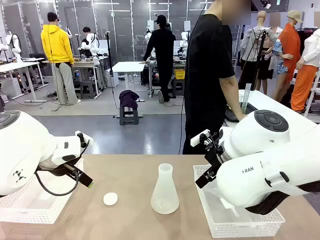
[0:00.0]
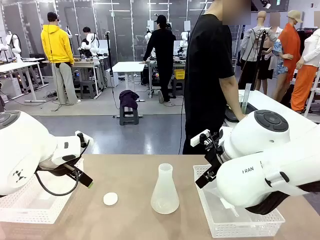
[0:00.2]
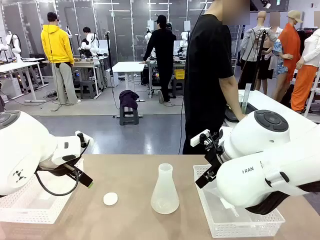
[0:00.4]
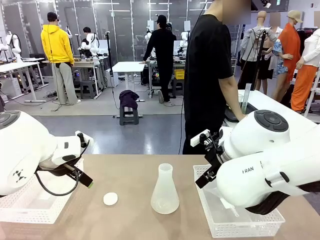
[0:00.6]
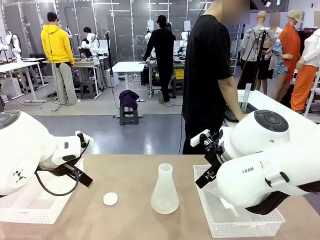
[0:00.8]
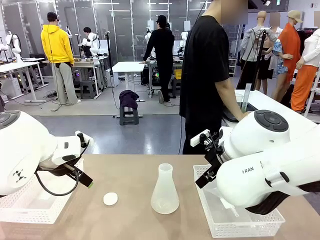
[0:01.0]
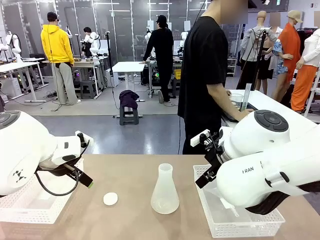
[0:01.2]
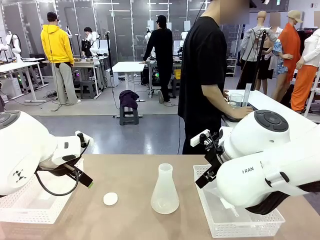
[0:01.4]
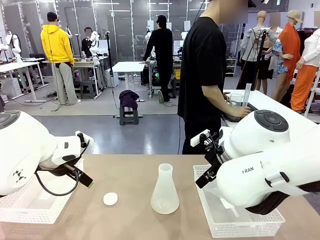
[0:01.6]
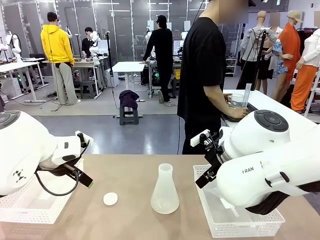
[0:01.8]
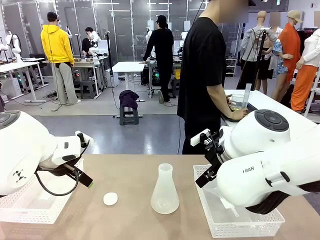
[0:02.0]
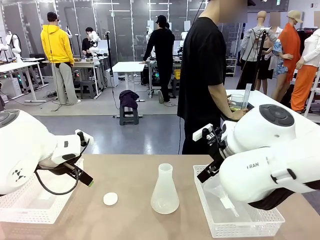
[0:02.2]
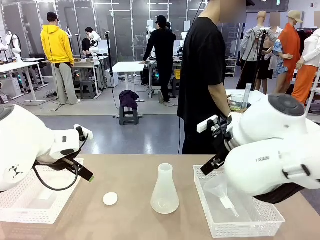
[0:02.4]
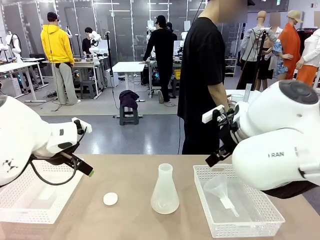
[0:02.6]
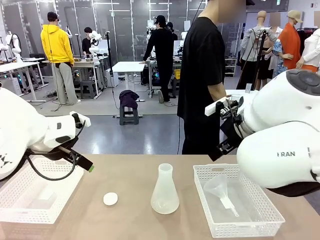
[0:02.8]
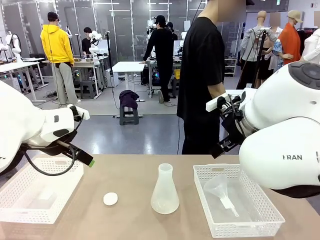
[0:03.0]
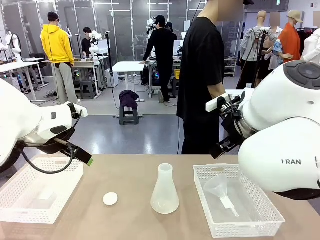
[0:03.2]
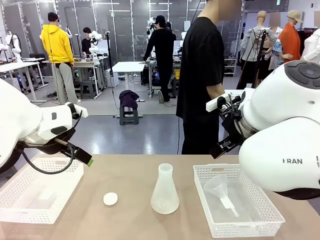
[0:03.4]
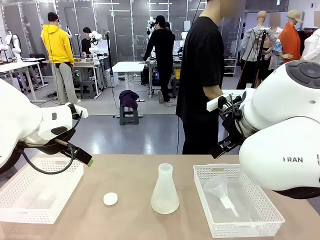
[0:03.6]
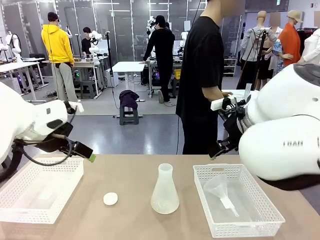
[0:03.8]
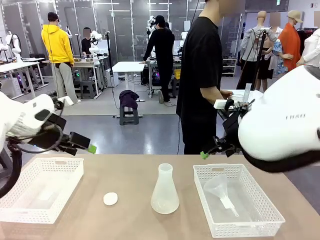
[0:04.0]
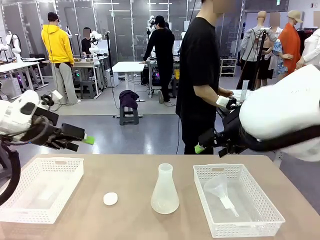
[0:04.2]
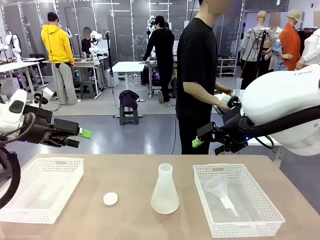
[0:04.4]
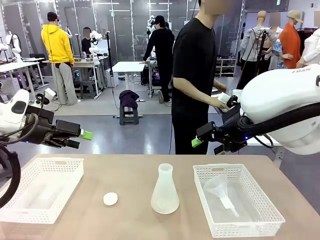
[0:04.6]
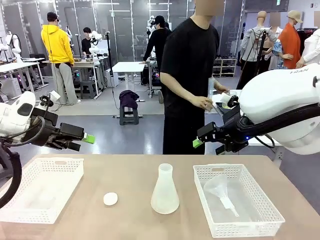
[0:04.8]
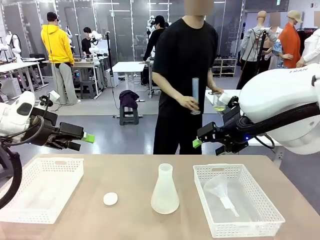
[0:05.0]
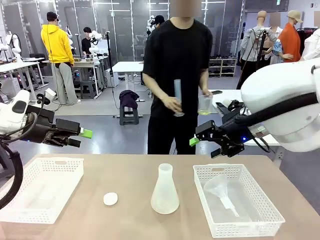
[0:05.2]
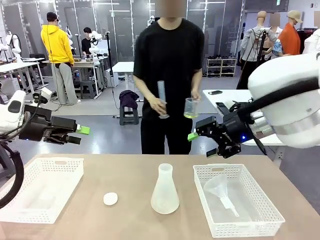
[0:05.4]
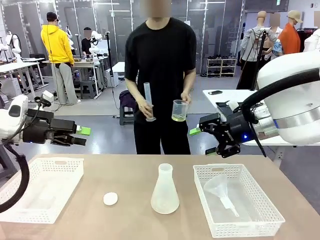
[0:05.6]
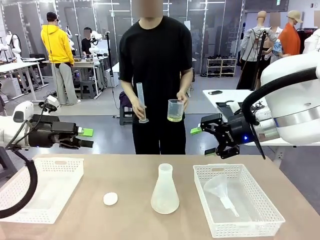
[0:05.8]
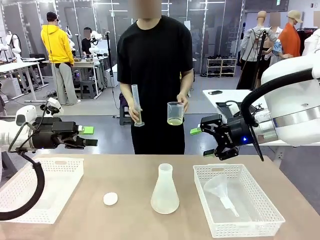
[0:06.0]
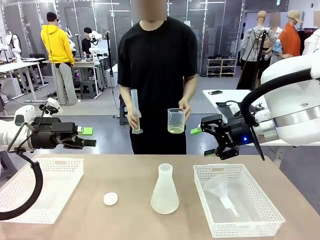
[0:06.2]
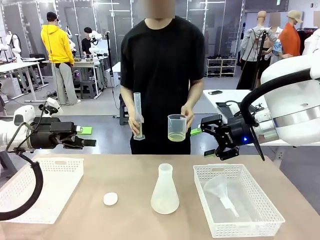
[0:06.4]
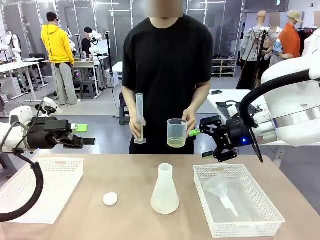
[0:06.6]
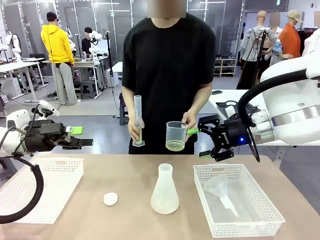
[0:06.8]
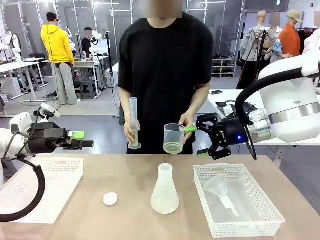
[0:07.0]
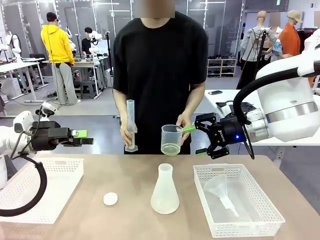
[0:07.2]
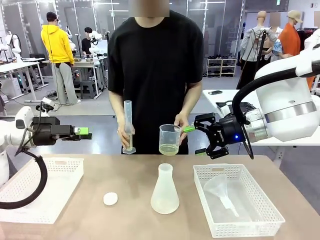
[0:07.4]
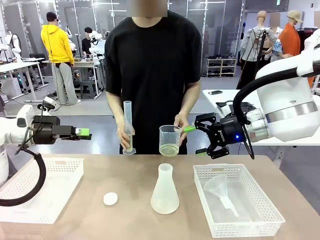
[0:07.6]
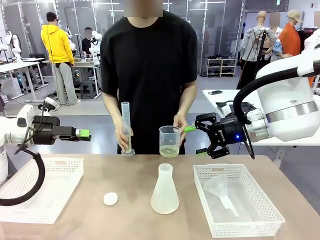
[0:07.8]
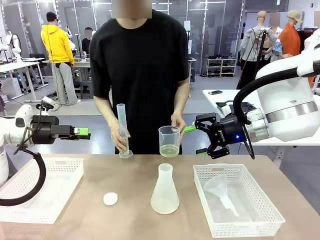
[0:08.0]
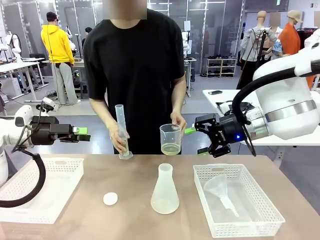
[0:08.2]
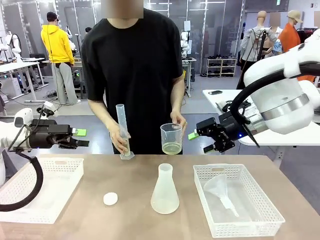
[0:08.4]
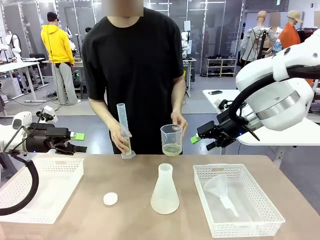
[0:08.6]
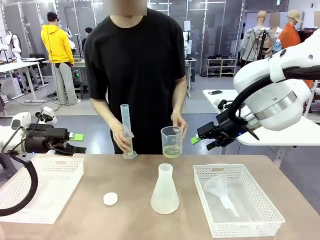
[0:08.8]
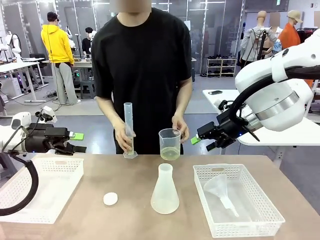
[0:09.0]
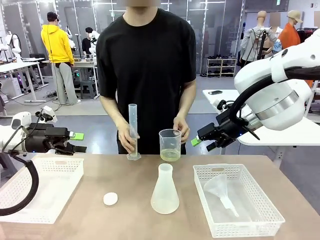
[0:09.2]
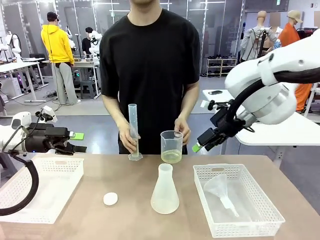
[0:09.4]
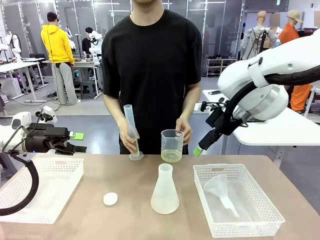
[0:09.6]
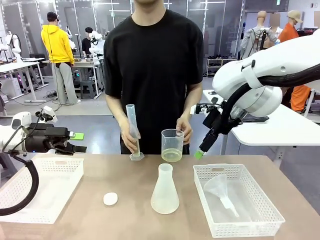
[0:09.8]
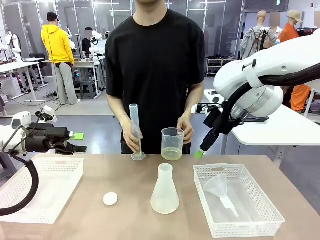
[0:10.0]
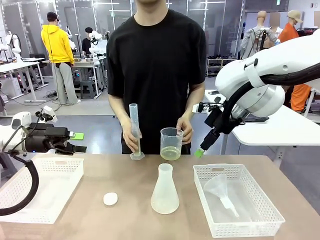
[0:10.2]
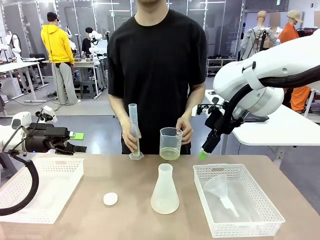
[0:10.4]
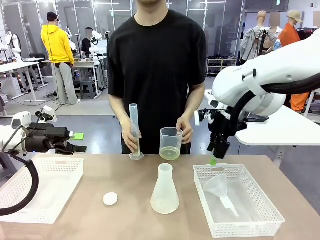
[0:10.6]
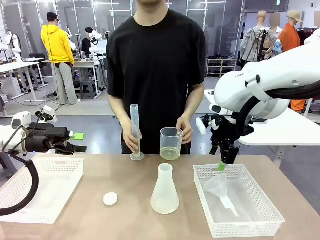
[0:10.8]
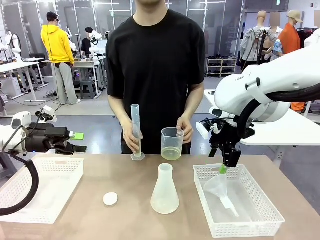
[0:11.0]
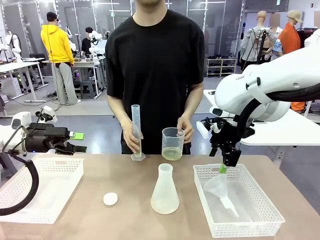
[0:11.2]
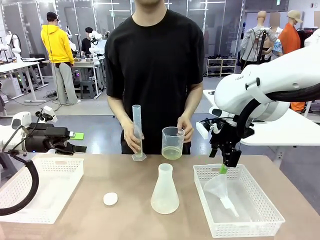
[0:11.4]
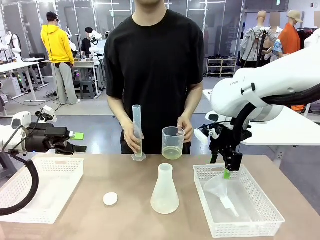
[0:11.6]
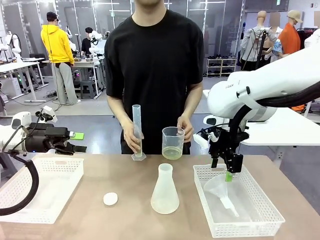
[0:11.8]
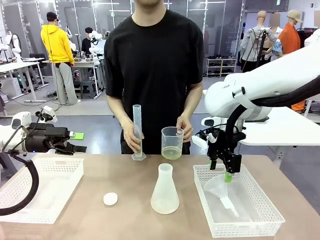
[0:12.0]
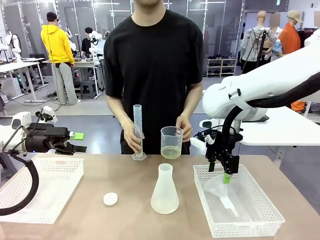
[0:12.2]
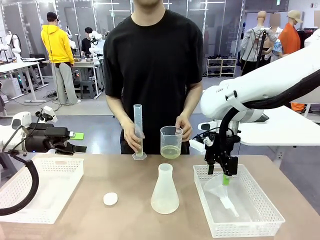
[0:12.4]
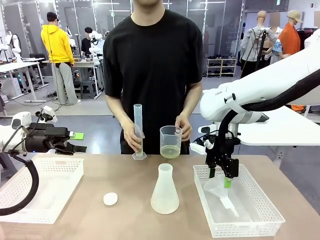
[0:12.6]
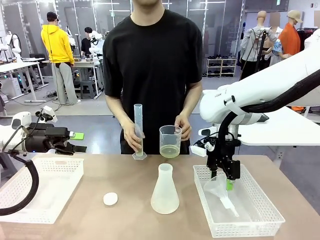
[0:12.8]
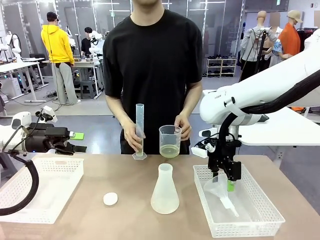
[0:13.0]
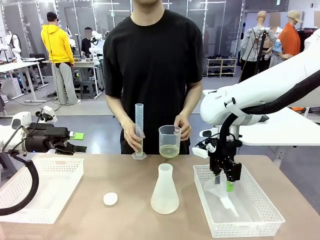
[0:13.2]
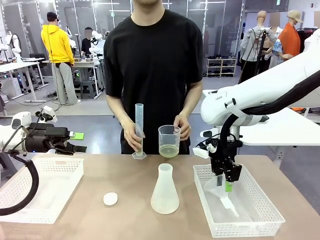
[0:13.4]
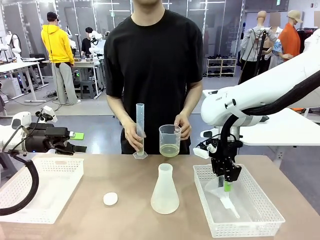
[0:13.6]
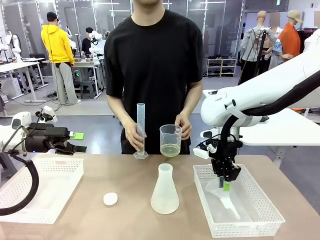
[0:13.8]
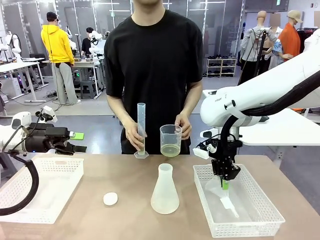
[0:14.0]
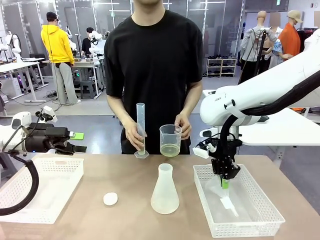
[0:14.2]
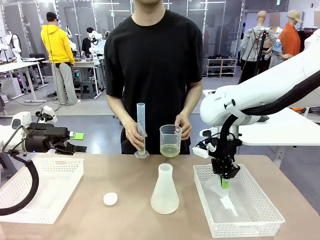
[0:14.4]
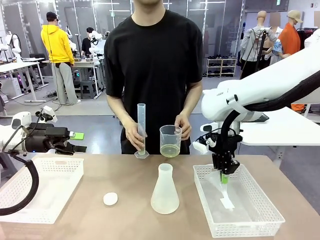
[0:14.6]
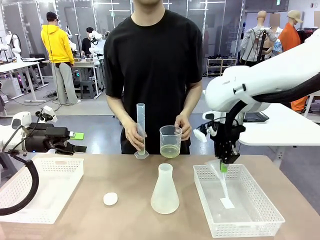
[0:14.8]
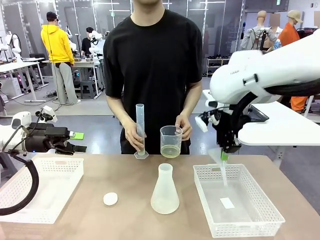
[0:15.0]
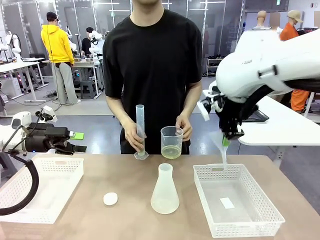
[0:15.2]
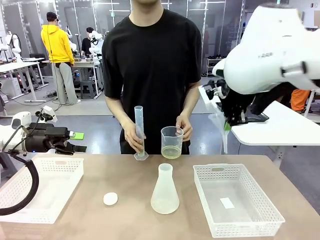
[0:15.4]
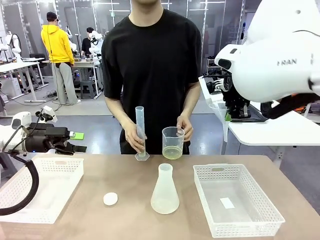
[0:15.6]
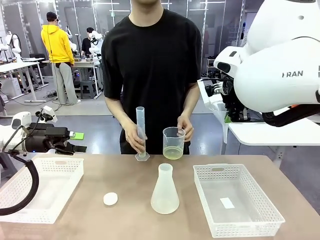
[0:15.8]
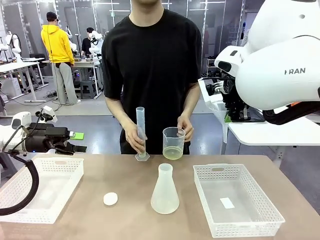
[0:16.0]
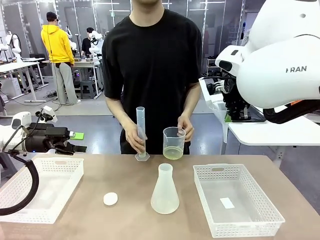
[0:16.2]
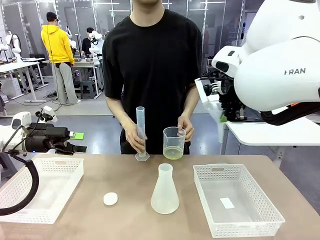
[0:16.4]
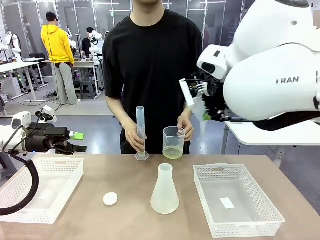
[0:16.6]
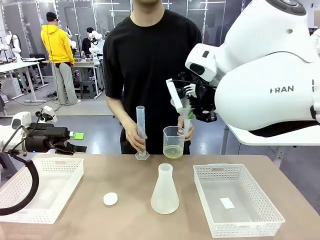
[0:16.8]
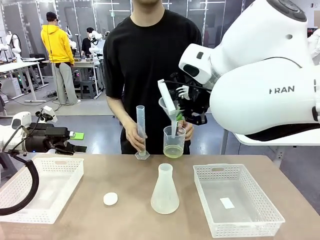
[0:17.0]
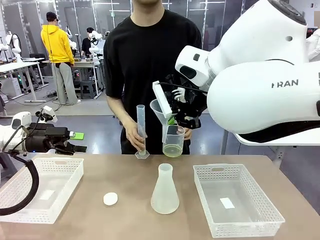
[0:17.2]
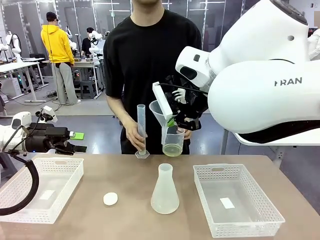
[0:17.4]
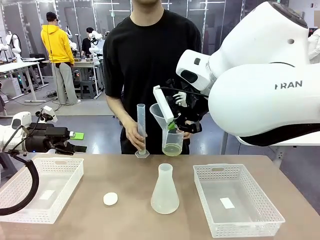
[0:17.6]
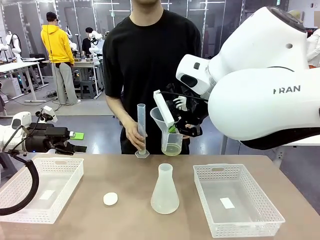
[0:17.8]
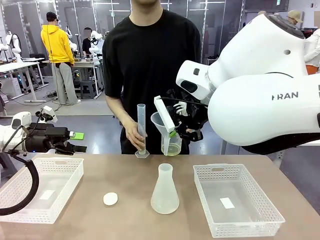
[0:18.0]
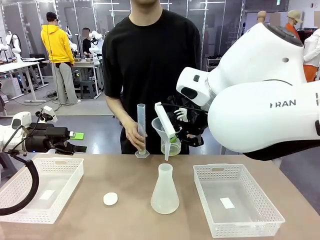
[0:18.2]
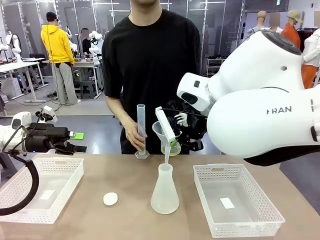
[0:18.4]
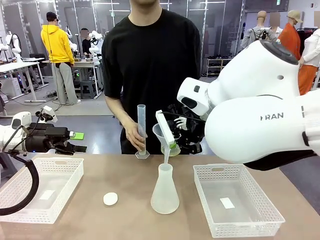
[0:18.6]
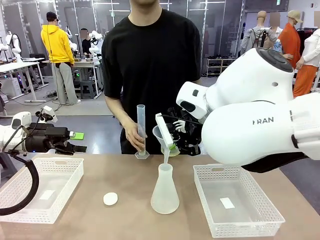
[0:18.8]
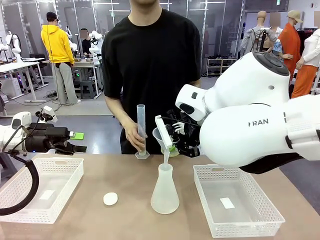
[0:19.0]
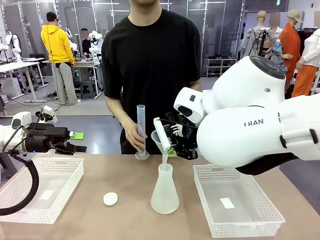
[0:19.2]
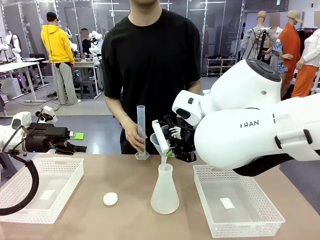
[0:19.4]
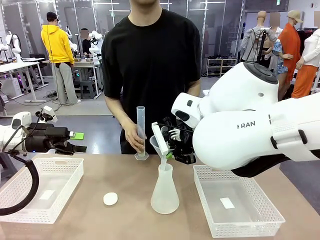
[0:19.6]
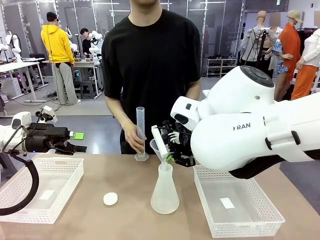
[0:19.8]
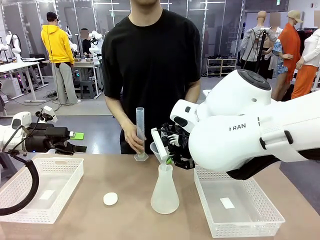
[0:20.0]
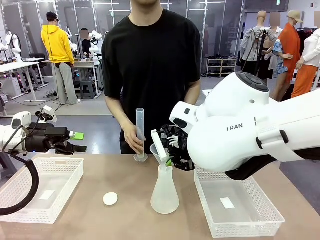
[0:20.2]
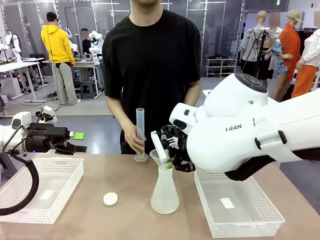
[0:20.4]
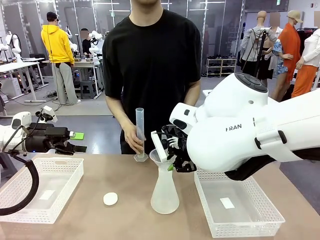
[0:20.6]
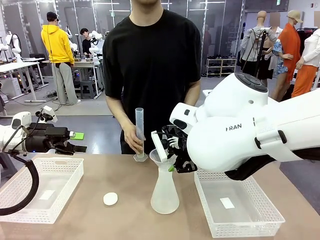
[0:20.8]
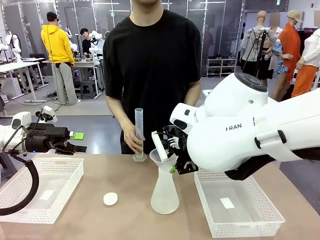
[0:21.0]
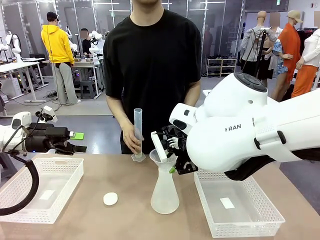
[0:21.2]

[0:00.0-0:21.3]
Task: Prepare the solutions needed for the experiment.
Robot: Pick up the Plastic Funnel and insert it into the Big flask.
Person: Pick up the beaker and the cylinder and move to the middle of the robot table. Pour the solution from the beaker and the cylinder into the flask.
